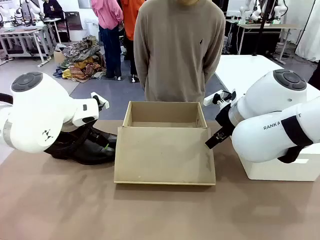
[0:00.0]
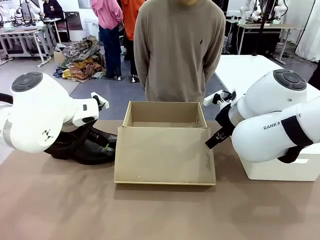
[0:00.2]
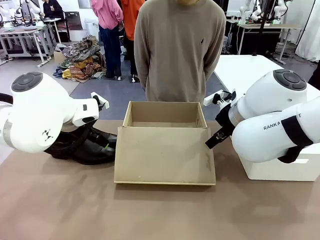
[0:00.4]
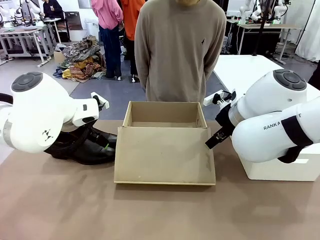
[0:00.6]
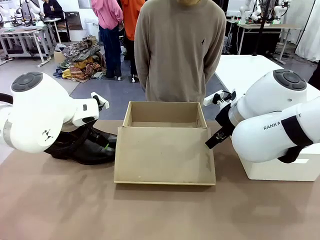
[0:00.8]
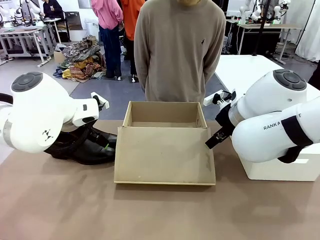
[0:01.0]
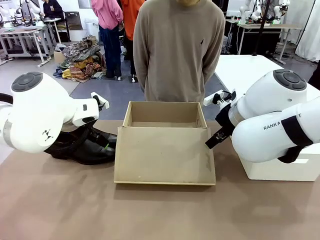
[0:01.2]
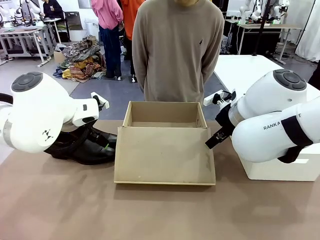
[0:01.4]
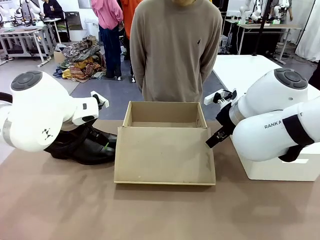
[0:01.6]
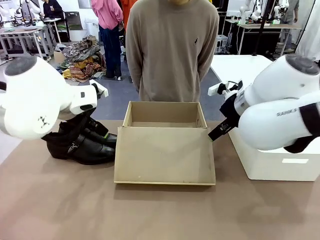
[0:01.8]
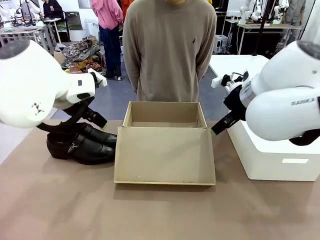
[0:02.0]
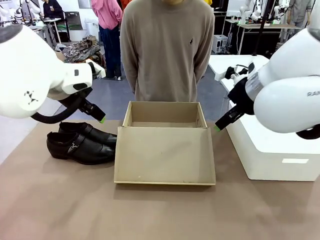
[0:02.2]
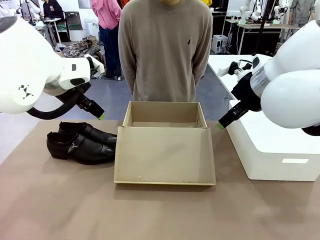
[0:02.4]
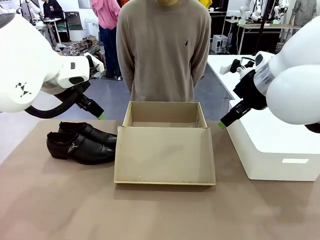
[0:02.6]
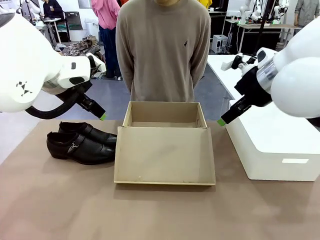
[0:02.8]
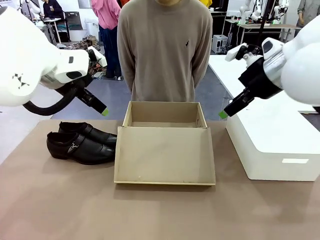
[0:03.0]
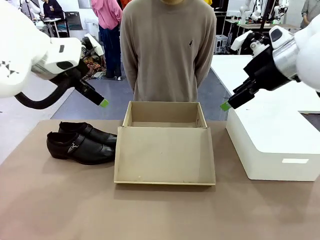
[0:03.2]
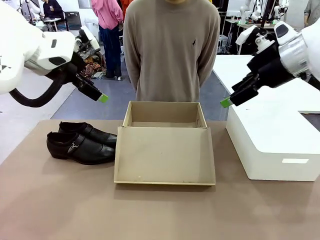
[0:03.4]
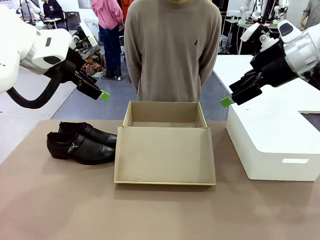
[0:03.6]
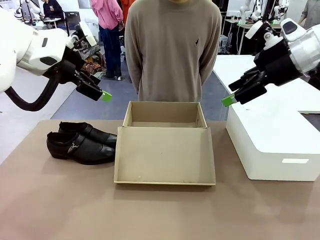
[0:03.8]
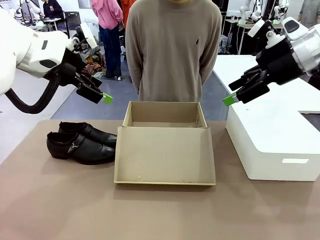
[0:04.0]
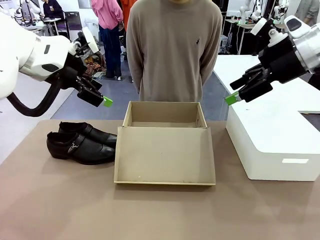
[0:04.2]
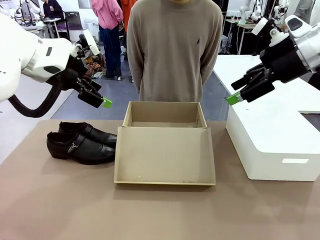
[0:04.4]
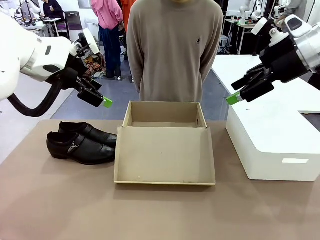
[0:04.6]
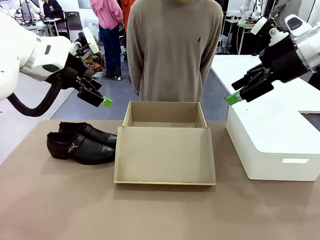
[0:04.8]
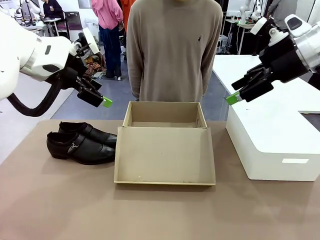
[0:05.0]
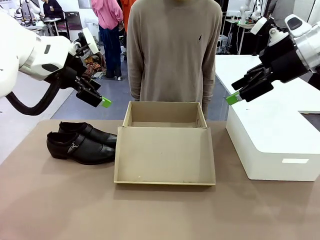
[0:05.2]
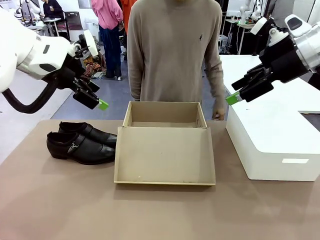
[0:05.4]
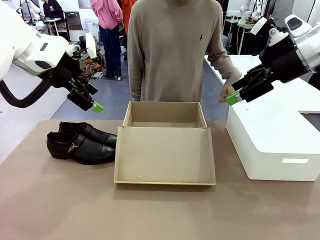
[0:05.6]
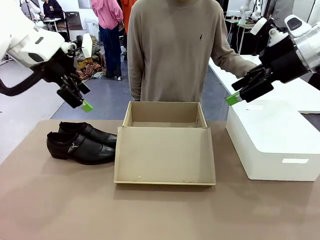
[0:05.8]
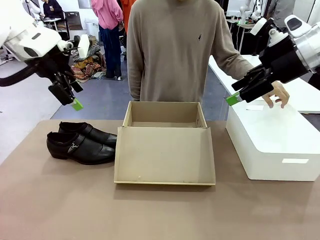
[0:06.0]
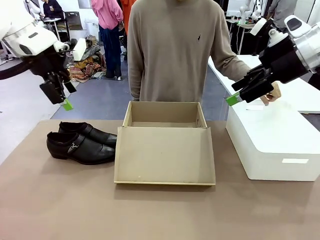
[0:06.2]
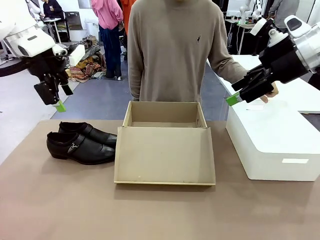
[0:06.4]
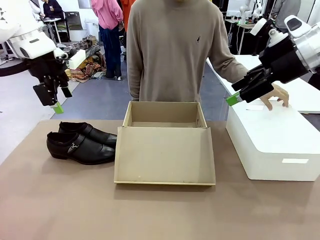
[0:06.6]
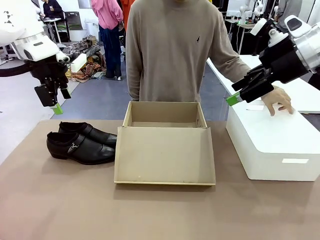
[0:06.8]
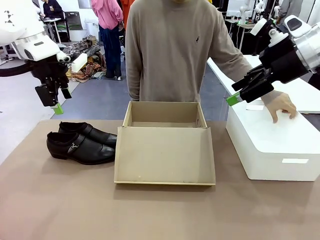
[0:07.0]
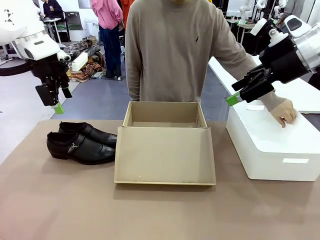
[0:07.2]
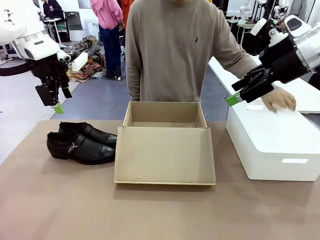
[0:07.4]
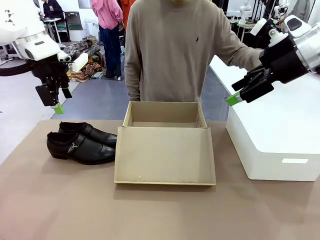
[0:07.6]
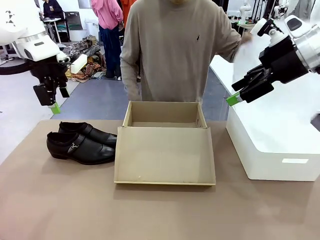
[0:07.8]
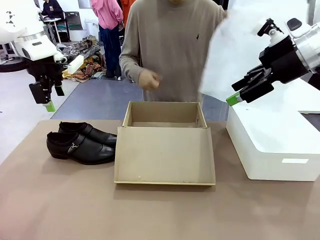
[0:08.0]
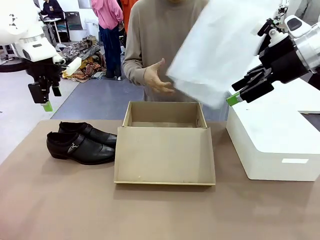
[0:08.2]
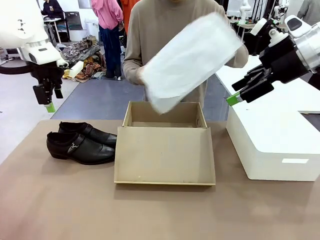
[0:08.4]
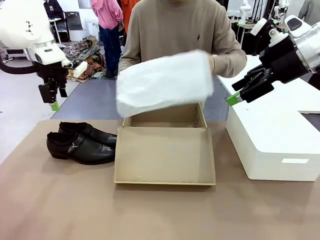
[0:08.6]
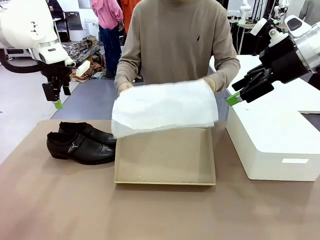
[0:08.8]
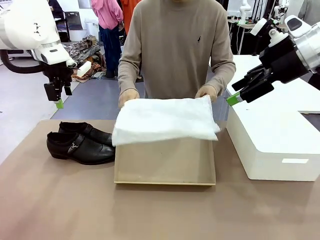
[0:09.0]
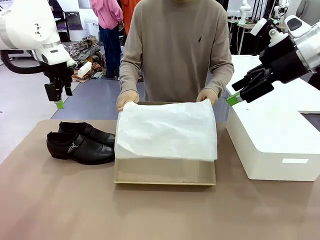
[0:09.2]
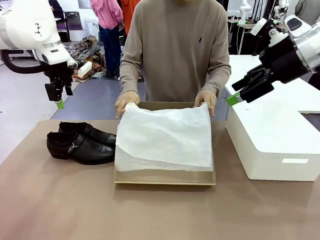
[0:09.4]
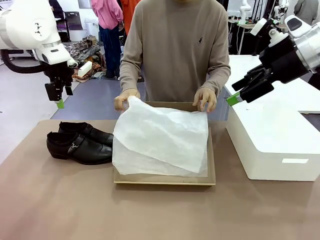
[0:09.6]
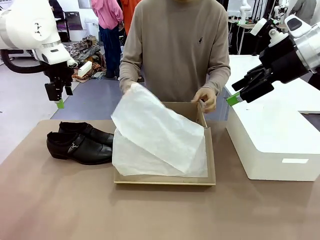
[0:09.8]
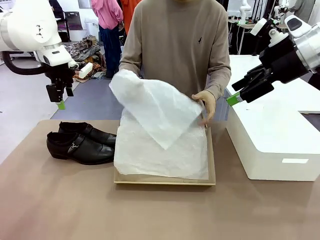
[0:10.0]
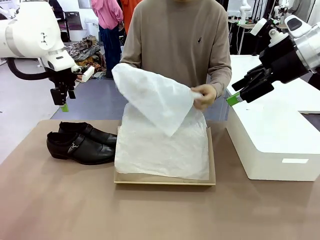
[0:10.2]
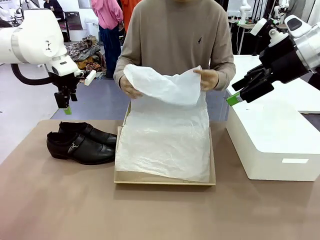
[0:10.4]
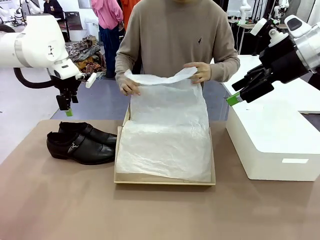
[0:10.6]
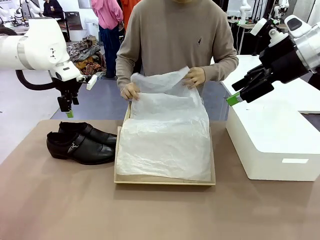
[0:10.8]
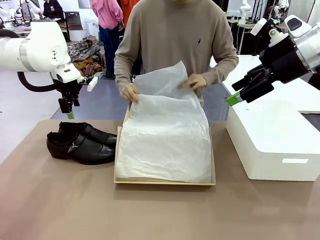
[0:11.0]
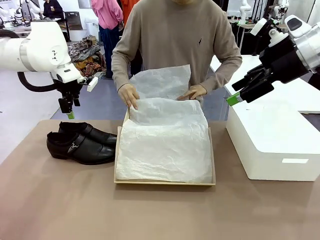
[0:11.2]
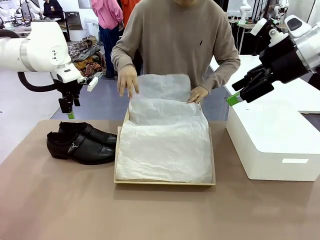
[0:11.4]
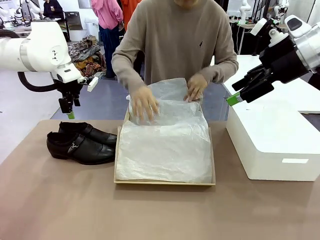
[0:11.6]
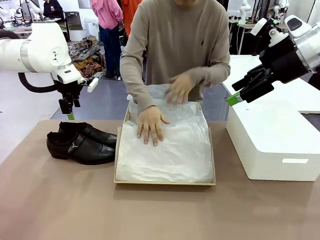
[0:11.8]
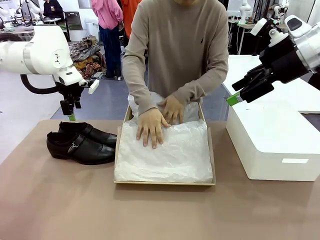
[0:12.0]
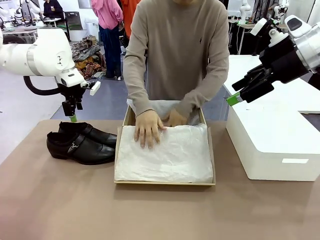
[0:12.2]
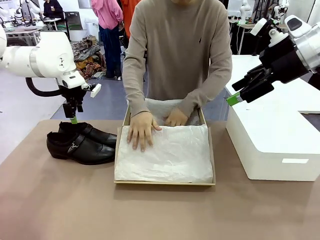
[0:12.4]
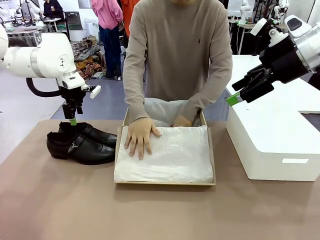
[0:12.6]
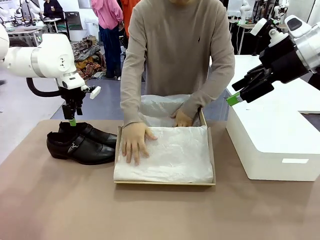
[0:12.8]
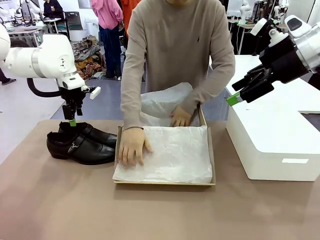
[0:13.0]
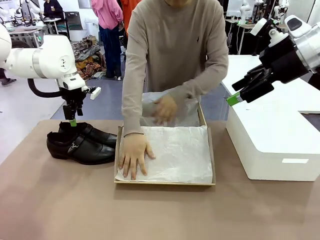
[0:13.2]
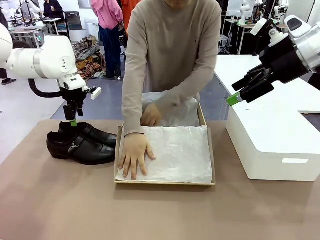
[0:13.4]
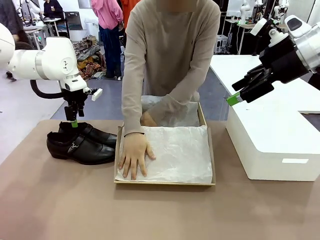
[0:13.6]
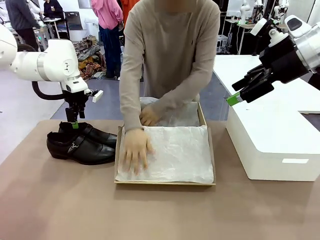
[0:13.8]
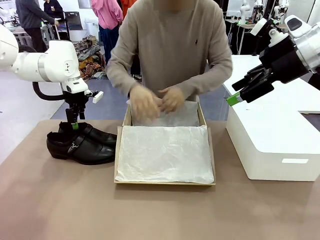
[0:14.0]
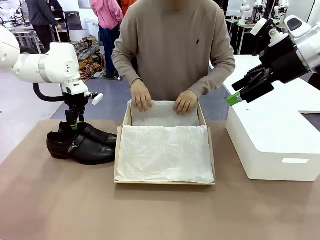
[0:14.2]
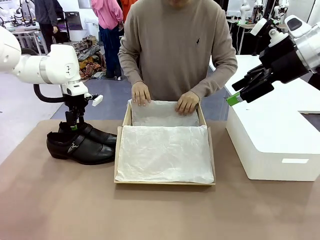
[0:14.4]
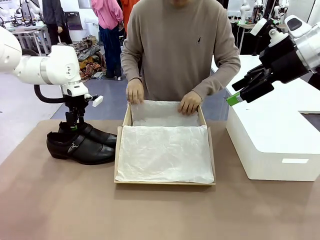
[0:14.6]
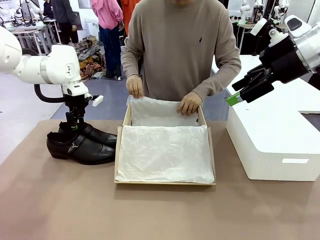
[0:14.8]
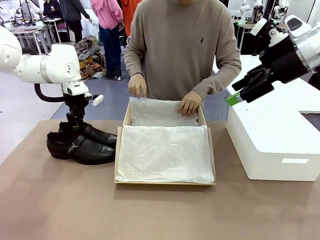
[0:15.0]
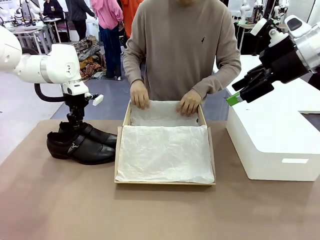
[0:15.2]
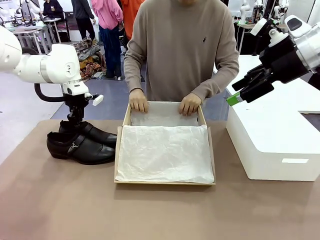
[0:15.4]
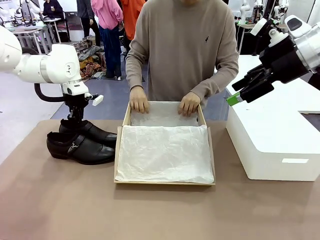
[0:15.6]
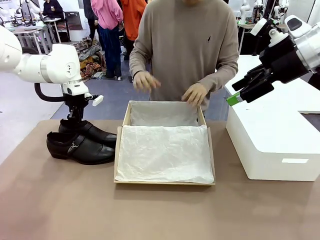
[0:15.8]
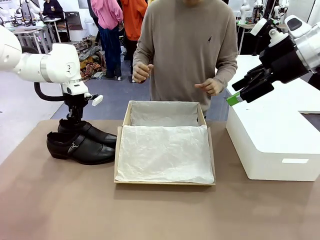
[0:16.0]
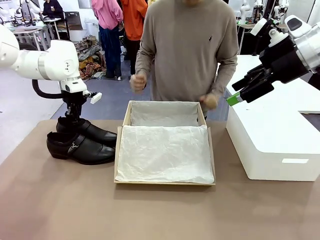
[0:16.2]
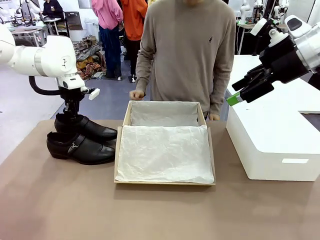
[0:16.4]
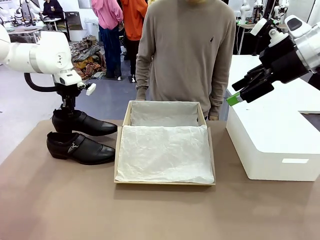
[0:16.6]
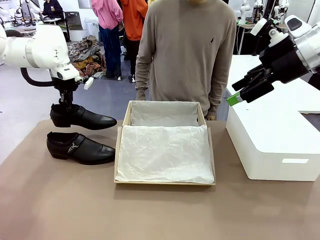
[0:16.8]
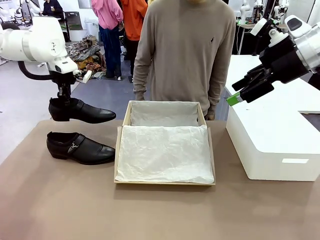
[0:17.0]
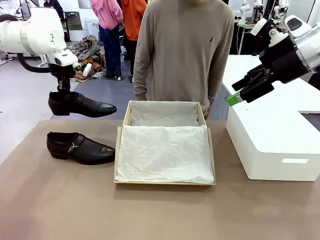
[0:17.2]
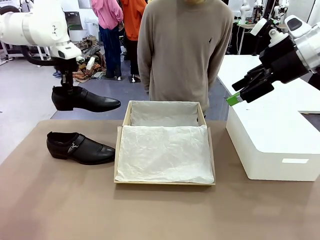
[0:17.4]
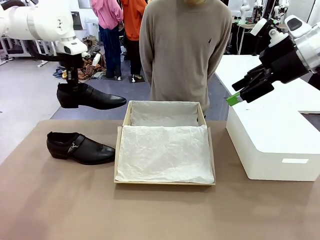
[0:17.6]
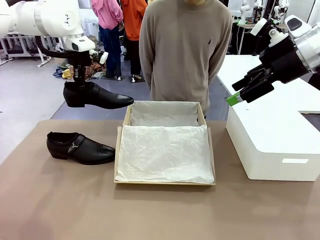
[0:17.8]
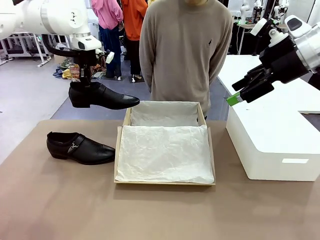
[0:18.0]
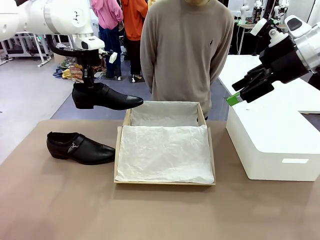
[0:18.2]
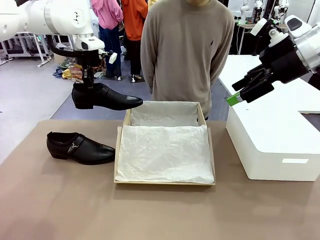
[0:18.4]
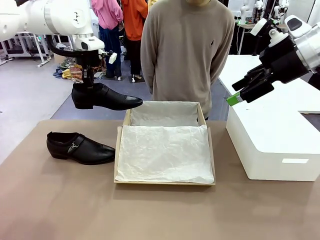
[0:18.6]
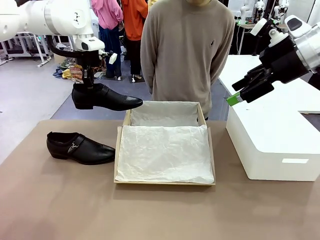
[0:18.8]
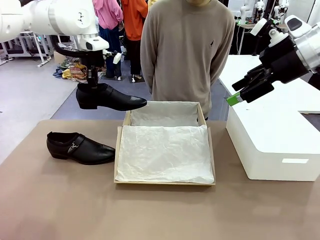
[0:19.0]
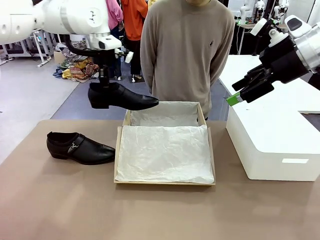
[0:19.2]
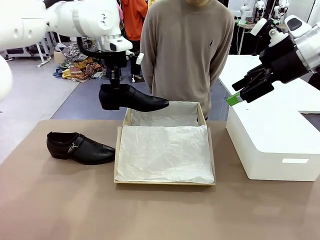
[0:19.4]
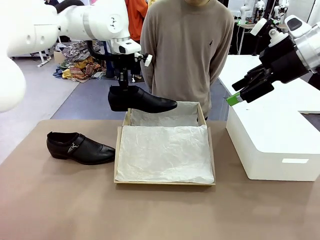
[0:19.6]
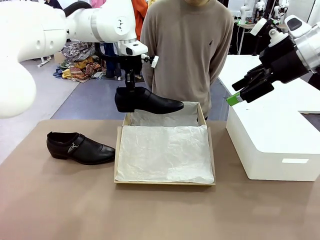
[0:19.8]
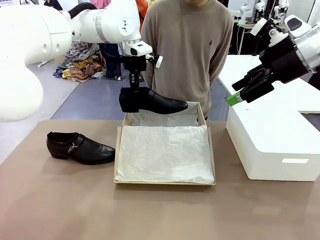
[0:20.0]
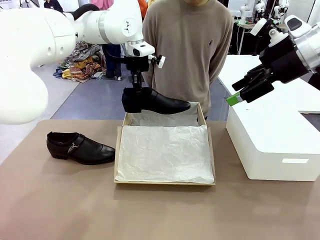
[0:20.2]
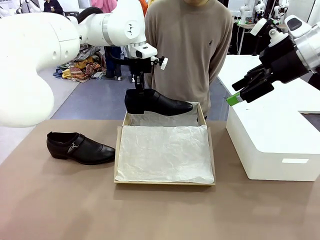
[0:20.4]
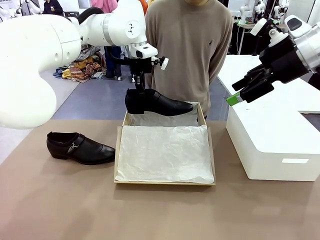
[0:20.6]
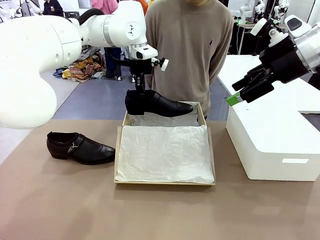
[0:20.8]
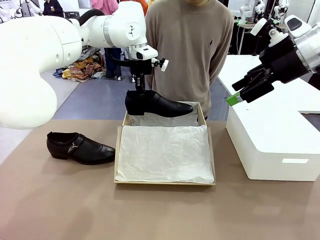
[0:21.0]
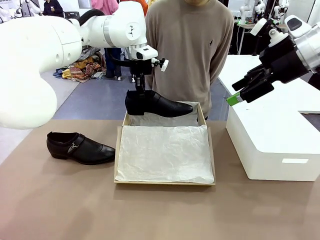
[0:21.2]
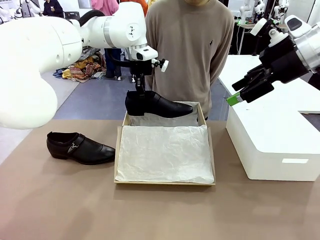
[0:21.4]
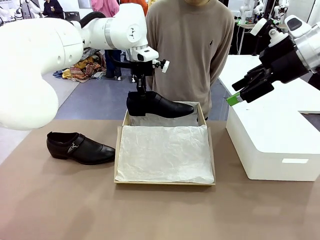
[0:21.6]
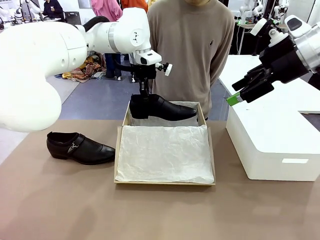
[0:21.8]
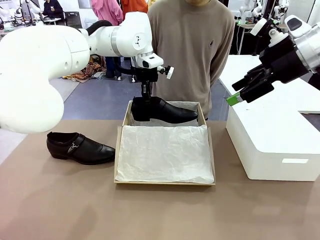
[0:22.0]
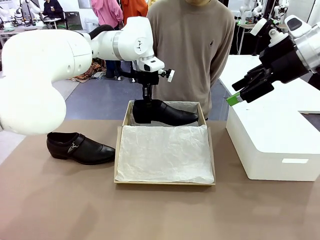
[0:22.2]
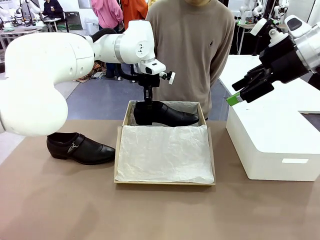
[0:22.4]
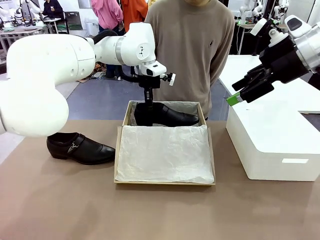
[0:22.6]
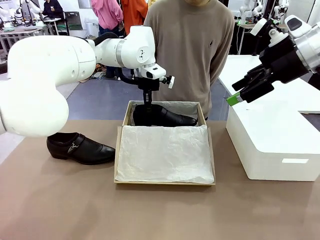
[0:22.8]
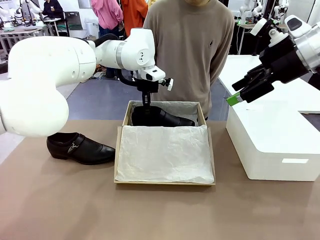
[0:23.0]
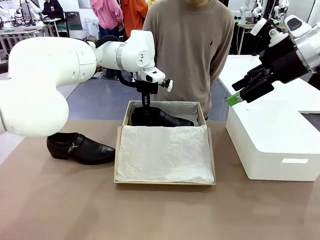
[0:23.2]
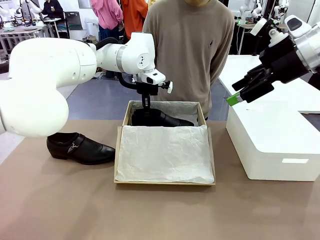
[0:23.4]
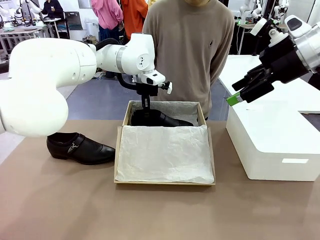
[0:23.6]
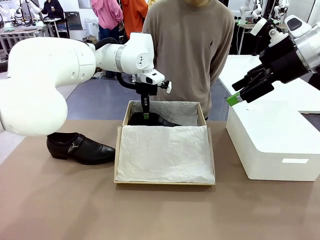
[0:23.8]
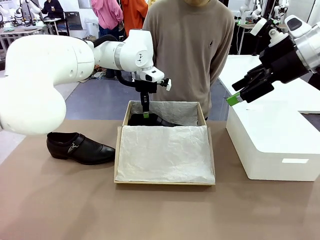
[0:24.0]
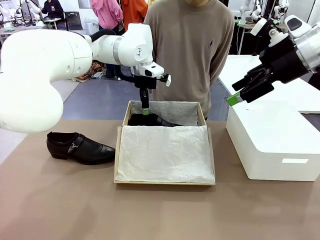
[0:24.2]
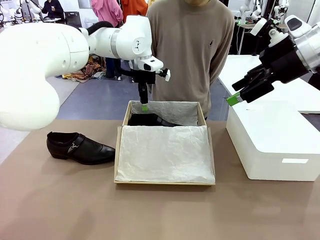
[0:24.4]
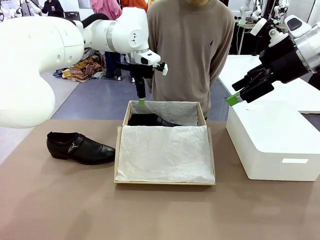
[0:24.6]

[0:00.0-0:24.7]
Task: Pack the shoes into the box.
Robot: Place one shoe of the Shoes into the Shoes Box.
Person: Spread Shoes Wrapping Paper and place inside the Shoes Box.
